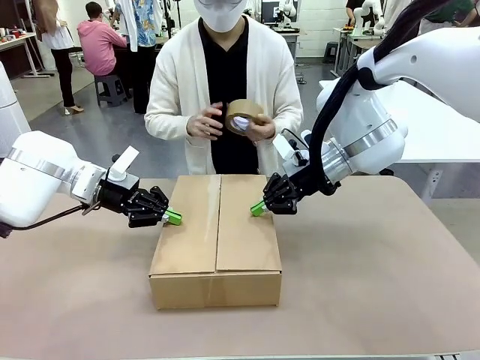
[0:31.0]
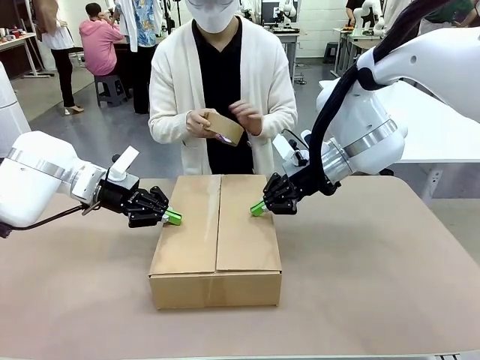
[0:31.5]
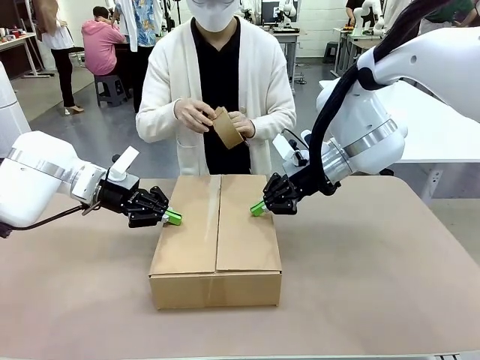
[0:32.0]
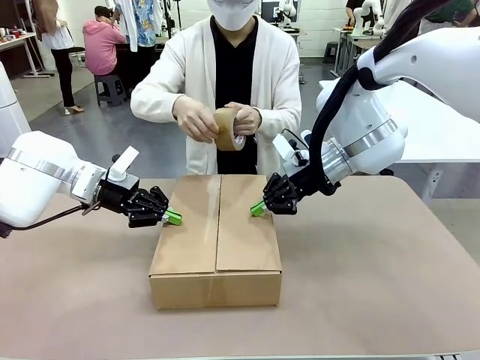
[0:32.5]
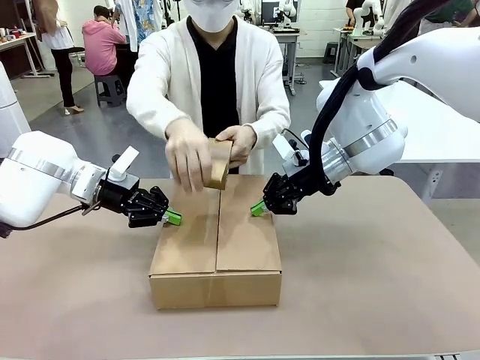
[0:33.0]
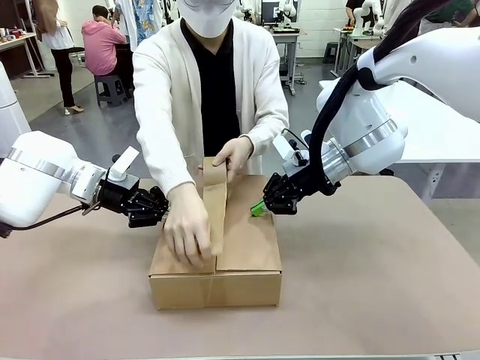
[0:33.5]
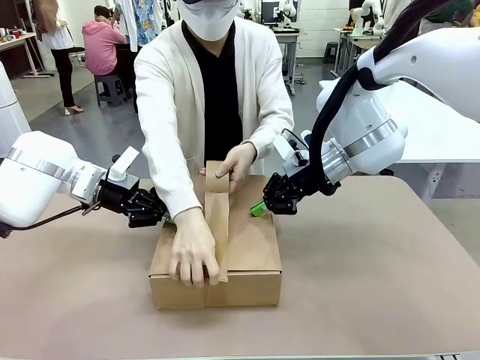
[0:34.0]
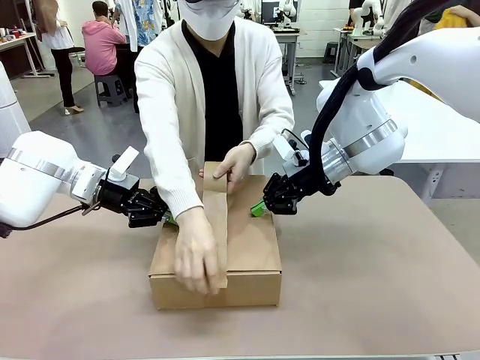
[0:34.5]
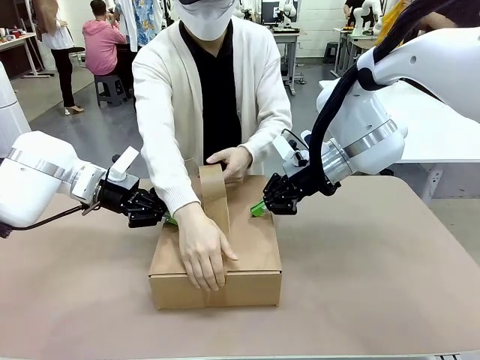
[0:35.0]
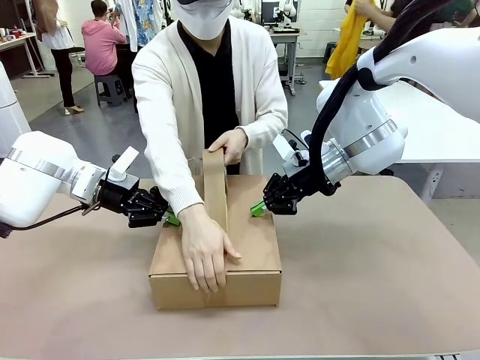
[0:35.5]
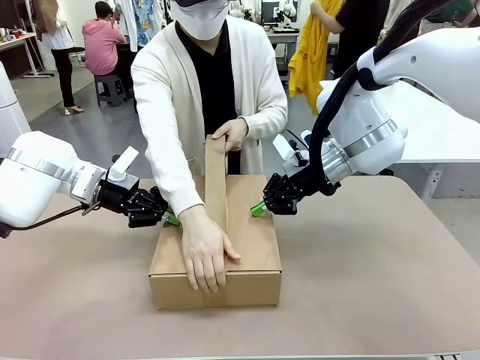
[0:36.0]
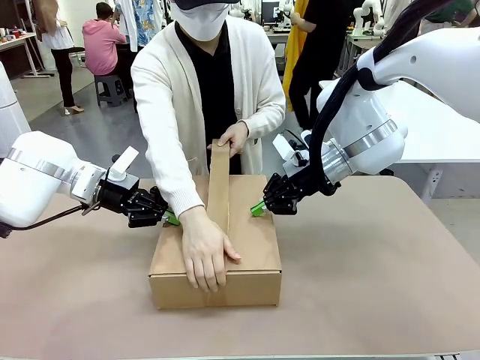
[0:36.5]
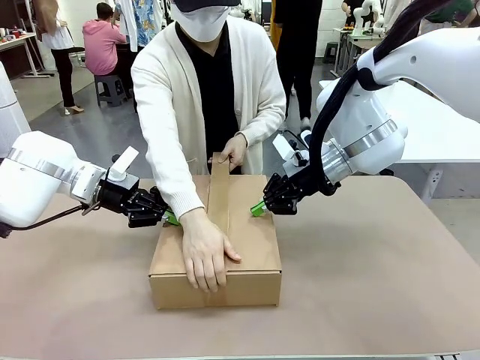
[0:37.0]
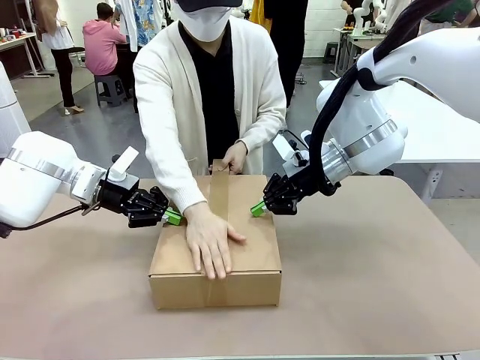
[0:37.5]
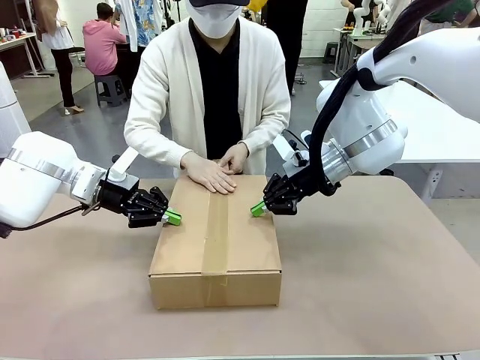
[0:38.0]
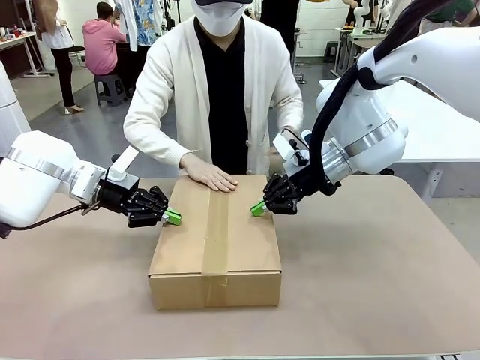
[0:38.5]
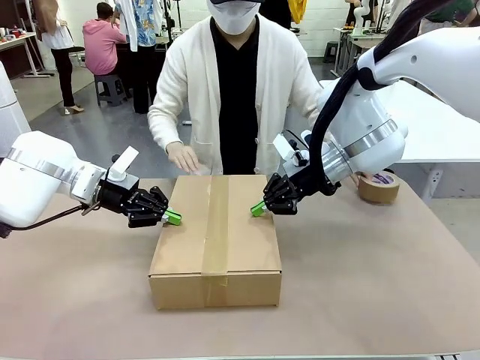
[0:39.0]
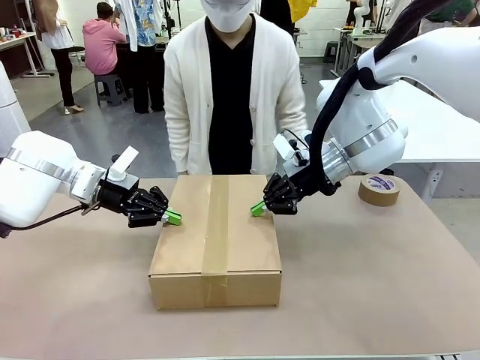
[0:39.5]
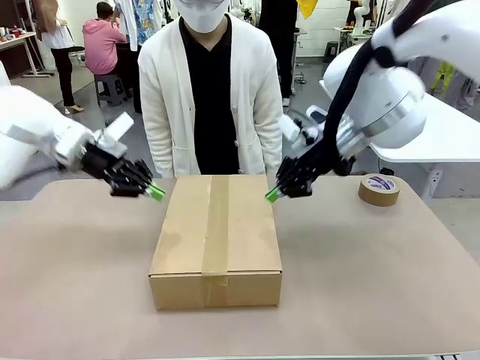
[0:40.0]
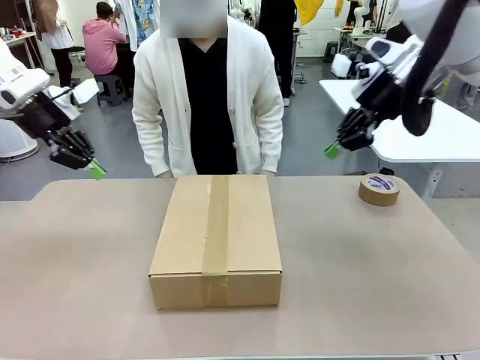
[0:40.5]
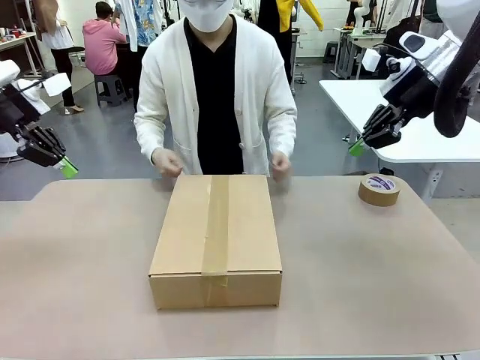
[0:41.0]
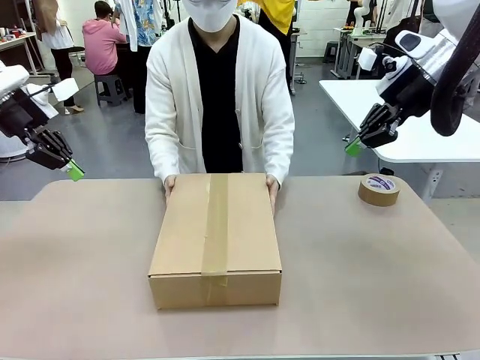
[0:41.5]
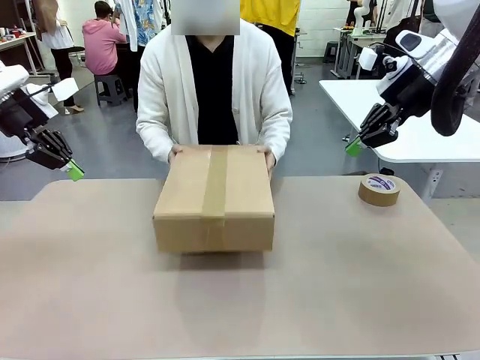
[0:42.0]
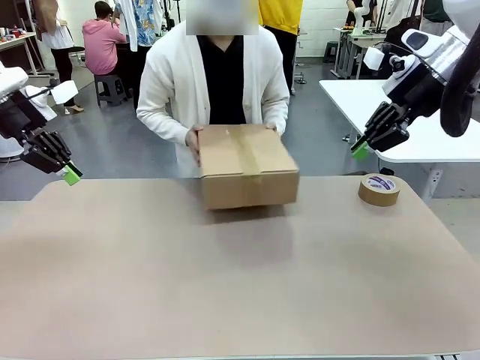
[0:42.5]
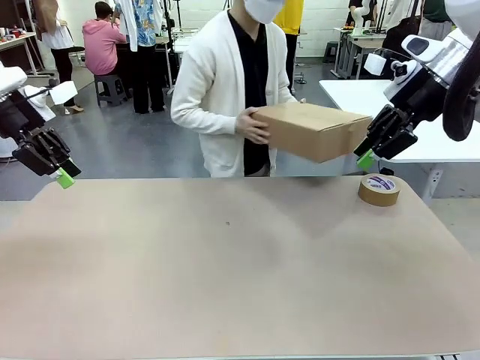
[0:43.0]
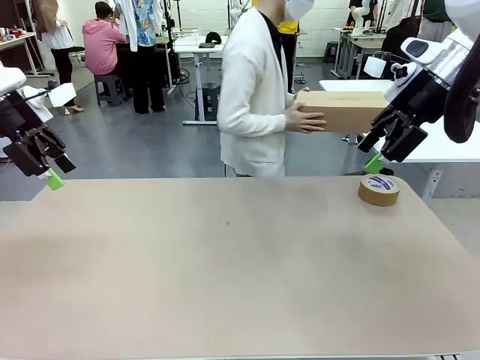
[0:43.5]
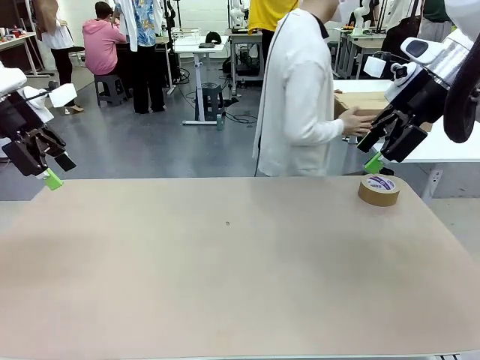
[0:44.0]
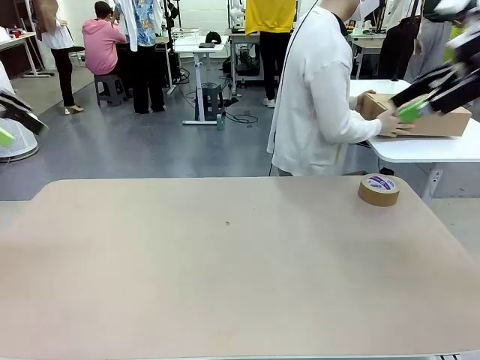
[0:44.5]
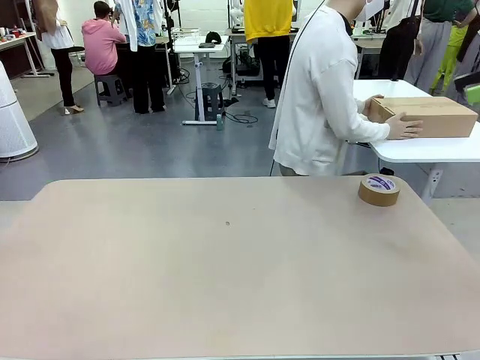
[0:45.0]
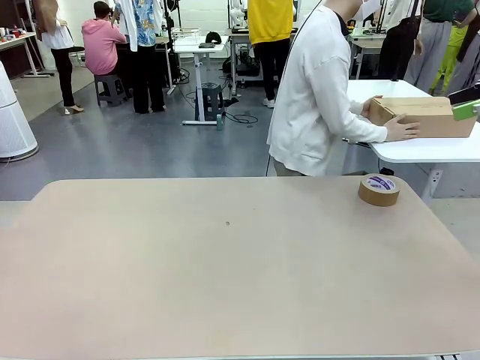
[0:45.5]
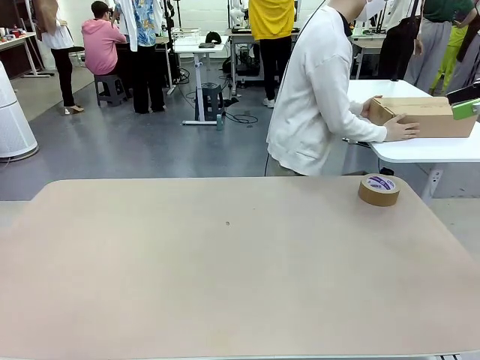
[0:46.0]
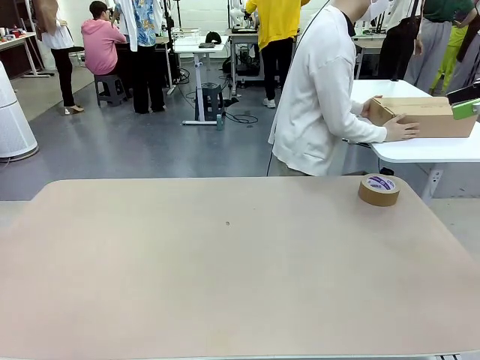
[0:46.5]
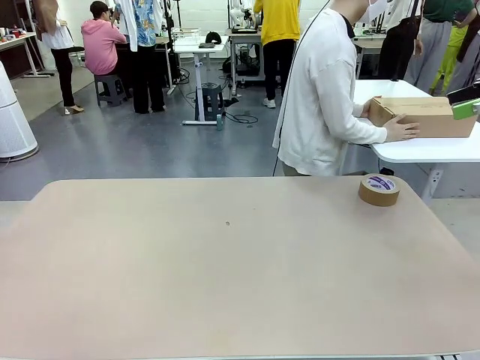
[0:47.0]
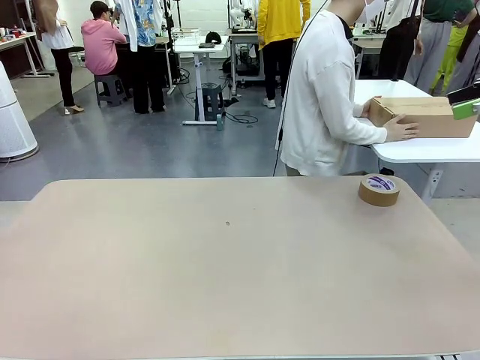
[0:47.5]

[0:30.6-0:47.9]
Task: Wrap the clocks to prevent damage.
Robot: After the human seals the box with tape, release both hands from the side flaps of the Package Box.
Person: Once the robot closes the left flap of the Package Box , seal the box with Paper Tape. Place sealed Package Box in the middle of the human's table.
